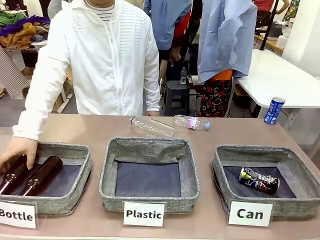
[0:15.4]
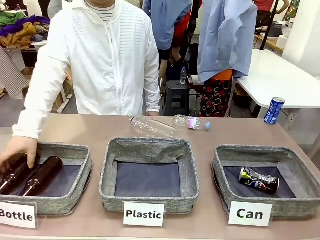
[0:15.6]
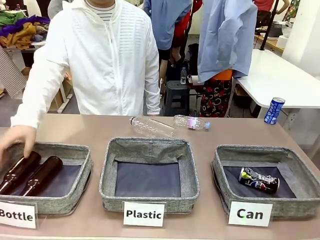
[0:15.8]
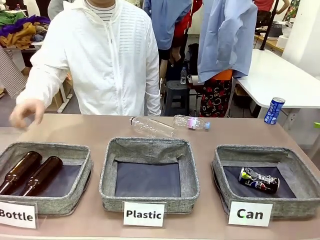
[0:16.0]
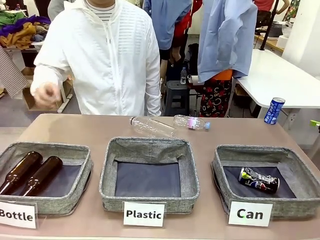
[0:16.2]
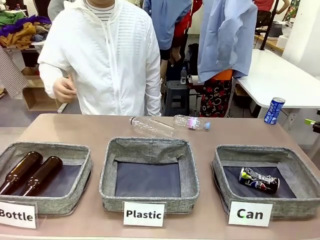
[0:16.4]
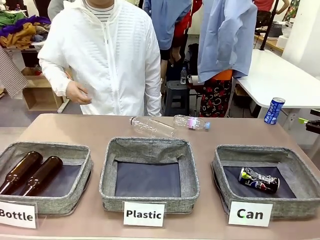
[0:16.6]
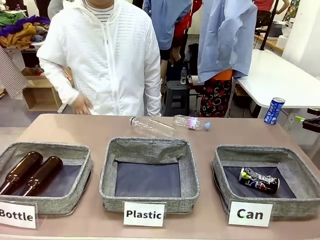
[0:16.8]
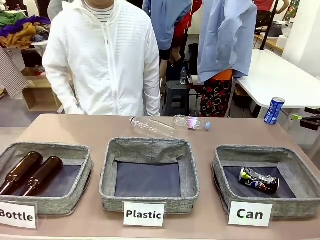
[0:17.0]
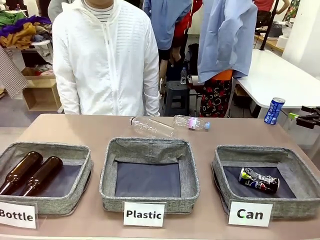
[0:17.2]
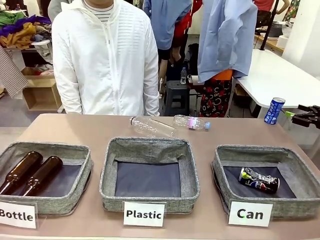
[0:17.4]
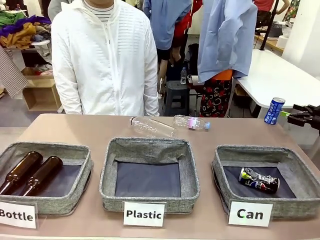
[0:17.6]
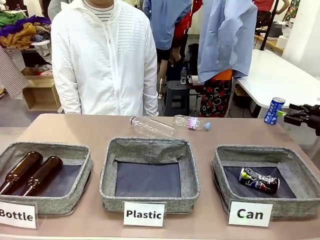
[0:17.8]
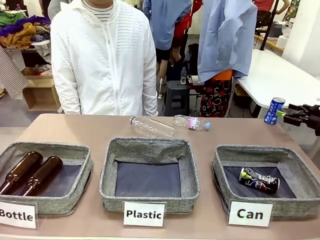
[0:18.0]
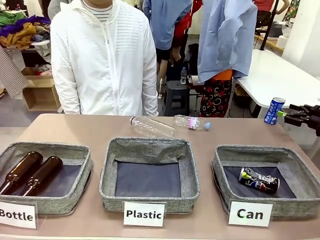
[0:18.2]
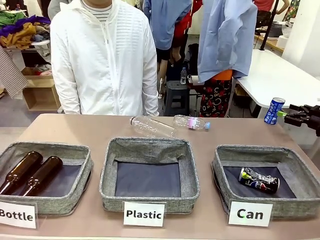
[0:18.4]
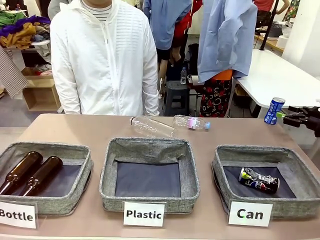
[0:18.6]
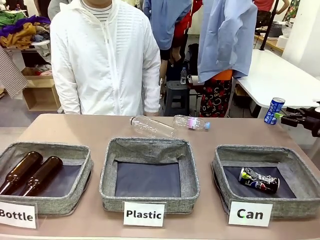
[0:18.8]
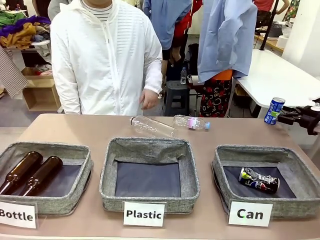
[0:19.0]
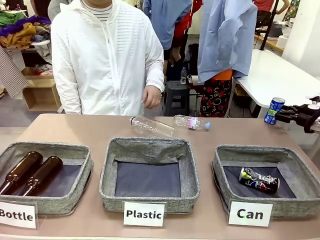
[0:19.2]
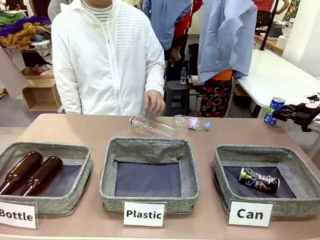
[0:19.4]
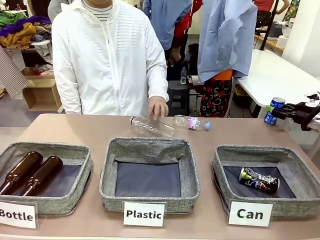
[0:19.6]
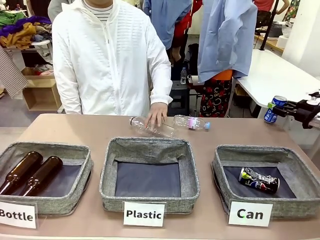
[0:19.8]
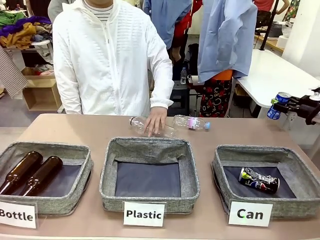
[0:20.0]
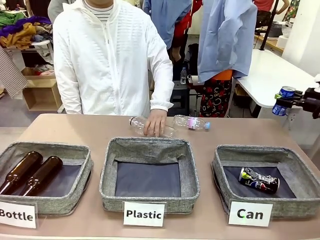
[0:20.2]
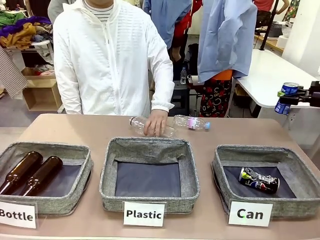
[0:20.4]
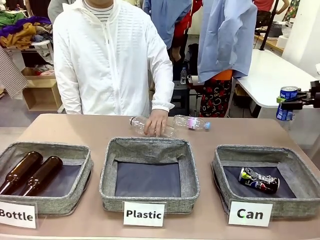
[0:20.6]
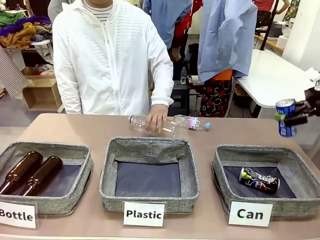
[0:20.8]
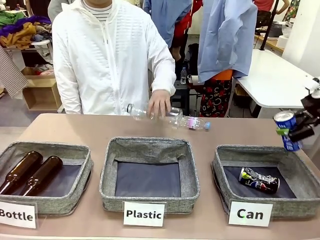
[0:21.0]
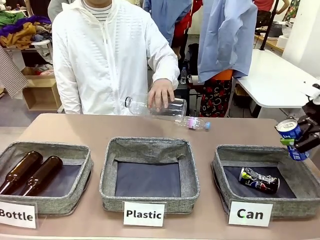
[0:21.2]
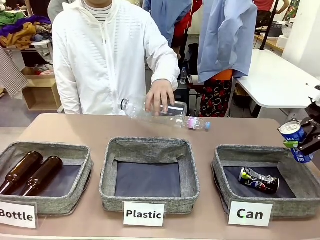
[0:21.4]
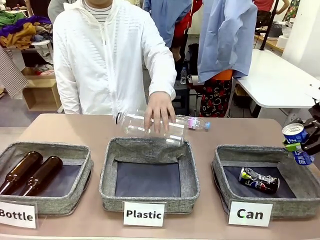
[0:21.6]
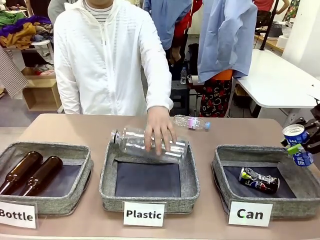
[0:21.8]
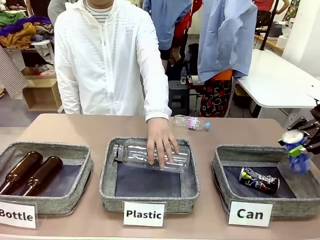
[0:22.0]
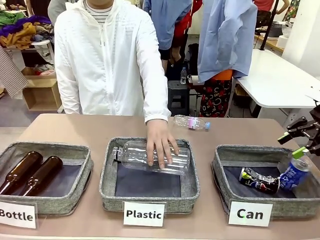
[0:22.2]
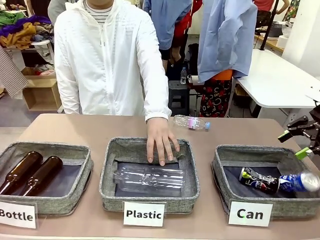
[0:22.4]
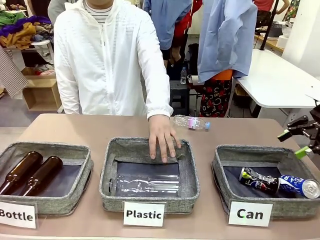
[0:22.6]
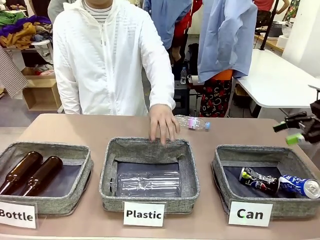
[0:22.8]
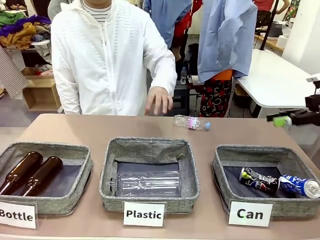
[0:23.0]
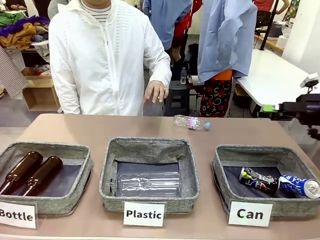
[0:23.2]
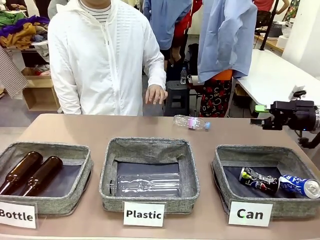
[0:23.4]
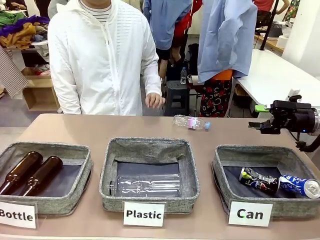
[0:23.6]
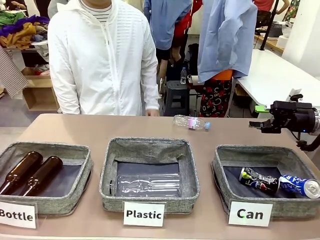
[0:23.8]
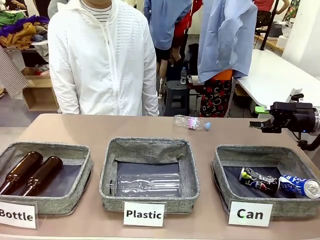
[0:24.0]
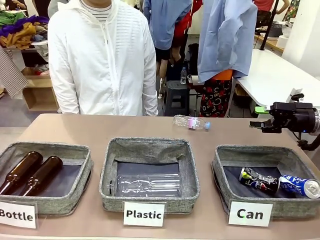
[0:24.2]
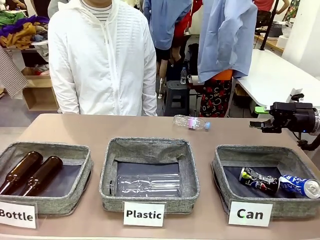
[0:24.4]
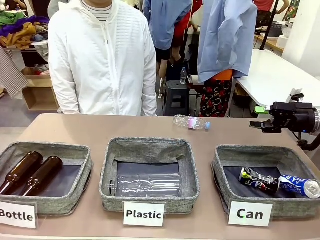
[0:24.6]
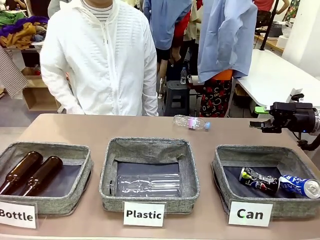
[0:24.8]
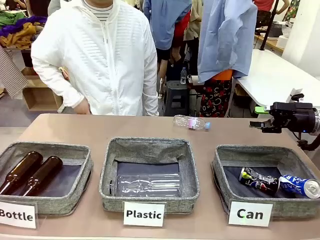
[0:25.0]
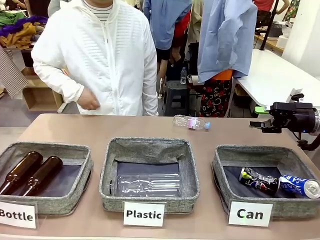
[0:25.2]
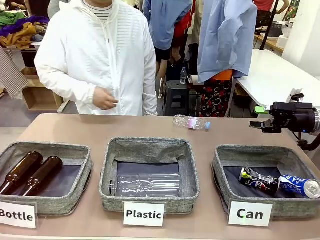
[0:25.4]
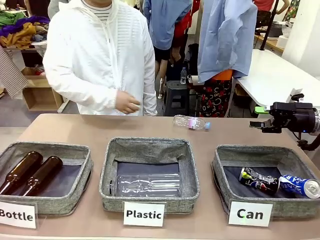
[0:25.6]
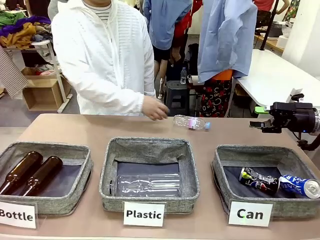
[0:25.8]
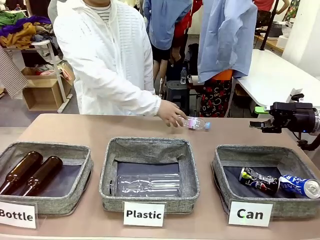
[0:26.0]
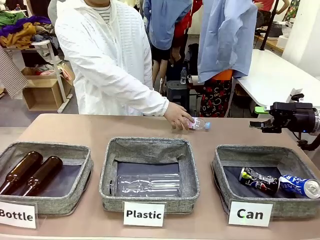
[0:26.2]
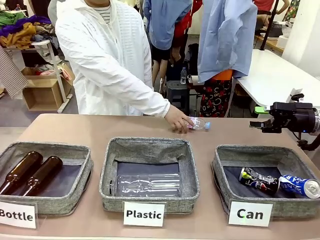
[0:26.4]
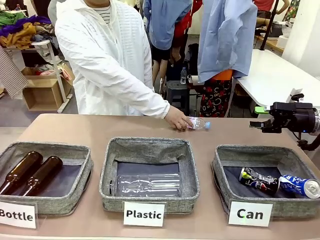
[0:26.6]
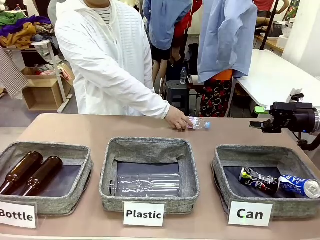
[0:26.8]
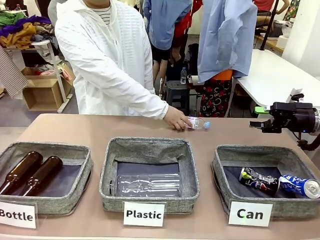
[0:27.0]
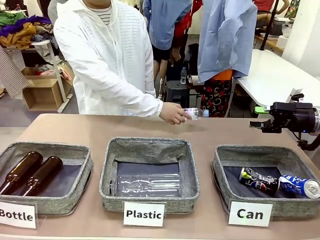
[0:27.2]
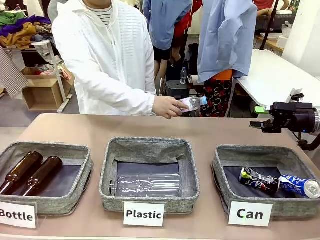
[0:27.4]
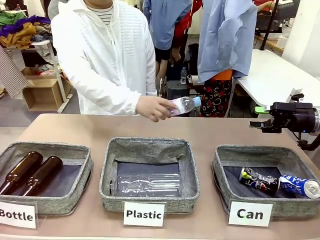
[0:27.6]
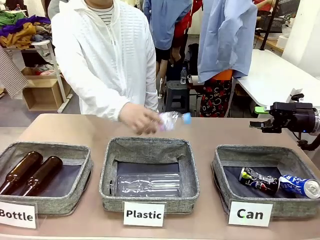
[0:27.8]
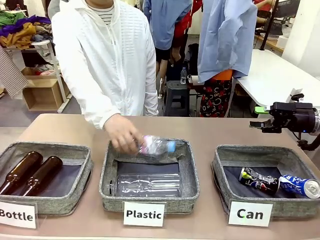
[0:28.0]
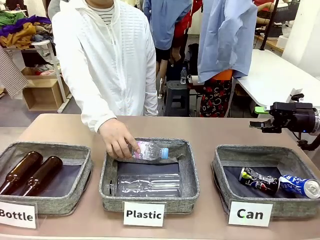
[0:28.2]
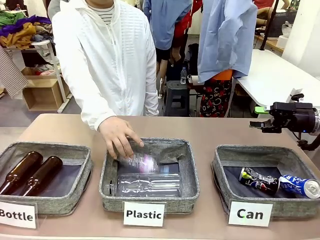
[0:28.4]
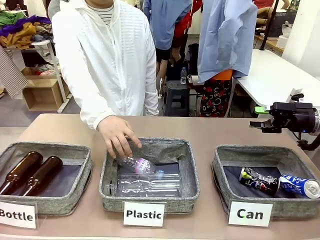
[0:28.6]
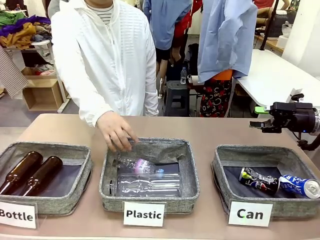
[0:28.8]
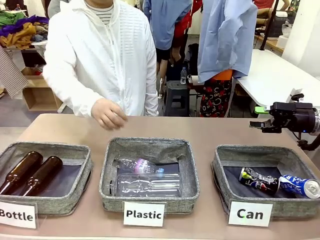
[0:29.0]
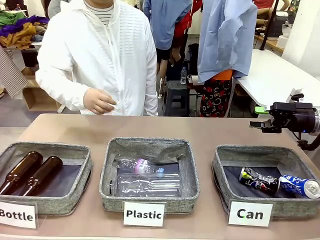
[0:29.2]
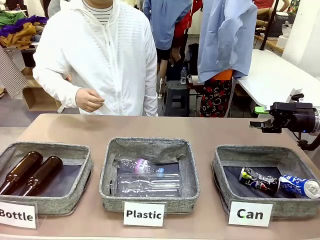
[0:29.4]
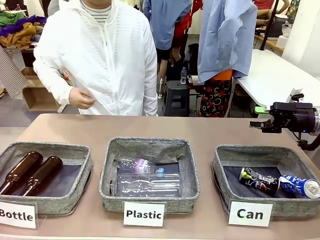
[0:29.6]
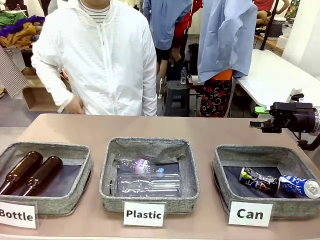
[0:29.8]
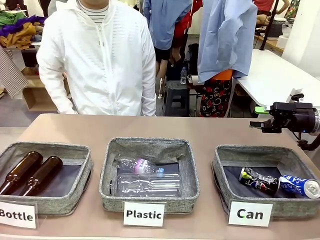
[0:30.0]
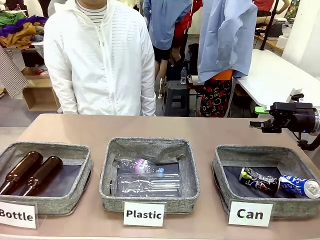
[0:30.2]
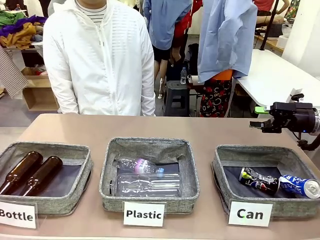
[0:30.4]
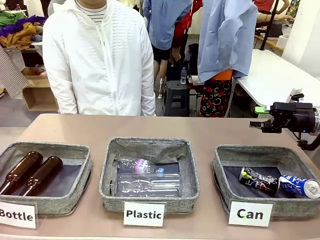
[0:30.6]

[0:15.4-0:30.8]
Task: Sort the can waste into the basket.
Robot: Pick up the can waste from the table and place it in the right Fabric basket.

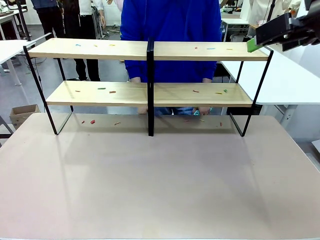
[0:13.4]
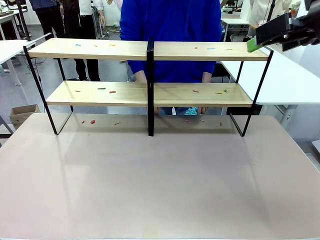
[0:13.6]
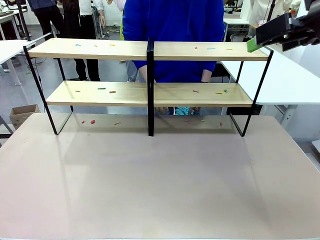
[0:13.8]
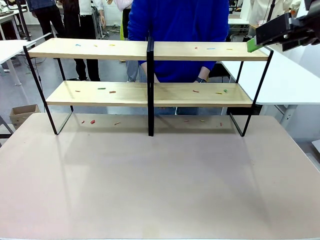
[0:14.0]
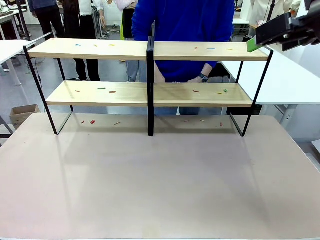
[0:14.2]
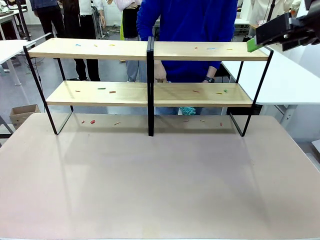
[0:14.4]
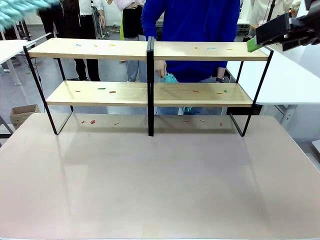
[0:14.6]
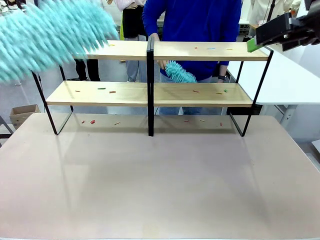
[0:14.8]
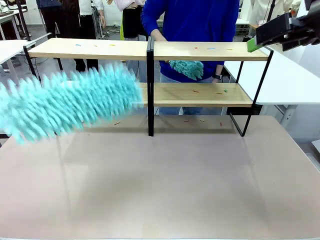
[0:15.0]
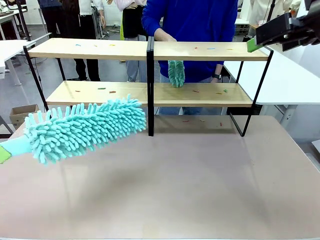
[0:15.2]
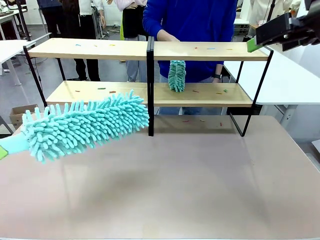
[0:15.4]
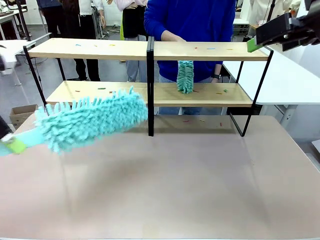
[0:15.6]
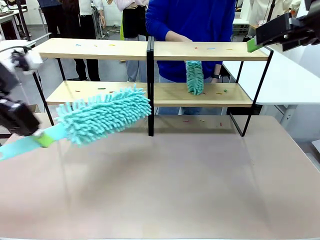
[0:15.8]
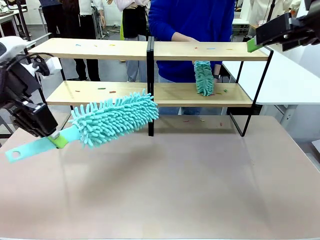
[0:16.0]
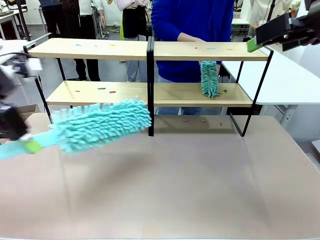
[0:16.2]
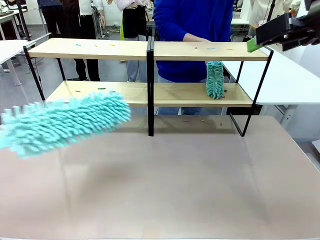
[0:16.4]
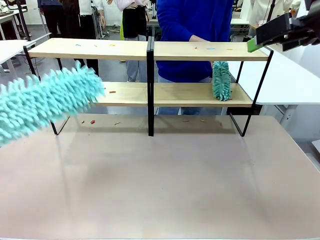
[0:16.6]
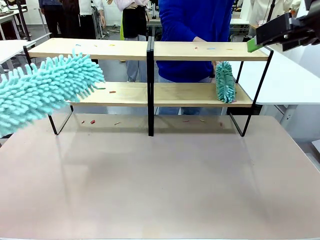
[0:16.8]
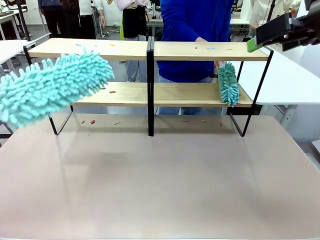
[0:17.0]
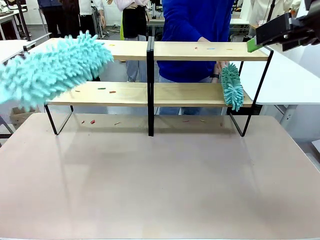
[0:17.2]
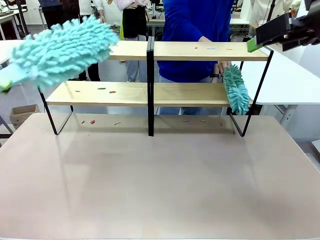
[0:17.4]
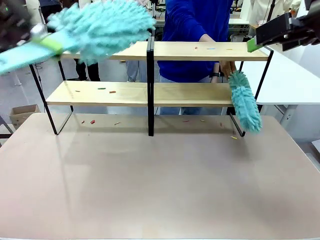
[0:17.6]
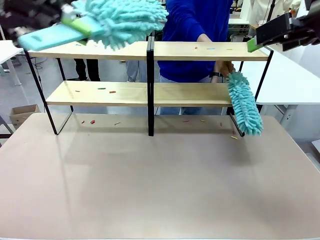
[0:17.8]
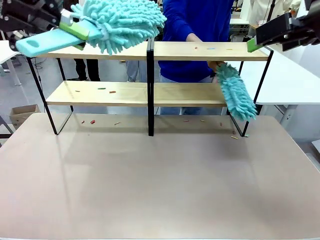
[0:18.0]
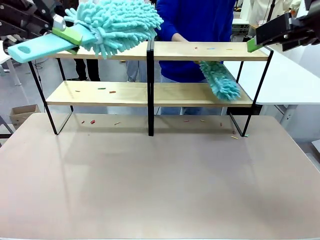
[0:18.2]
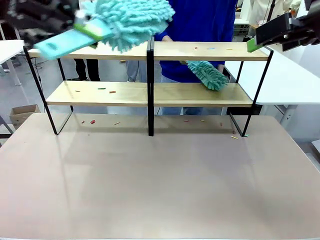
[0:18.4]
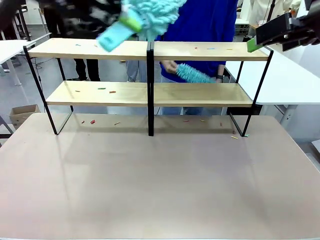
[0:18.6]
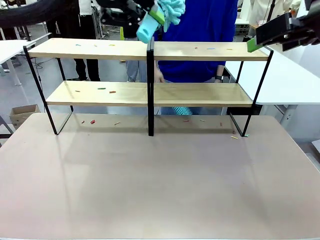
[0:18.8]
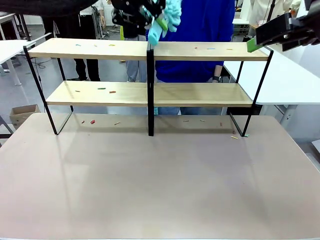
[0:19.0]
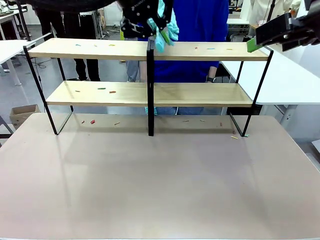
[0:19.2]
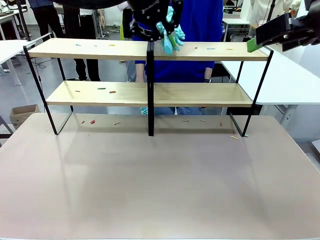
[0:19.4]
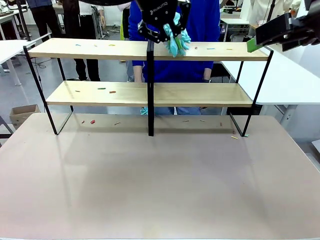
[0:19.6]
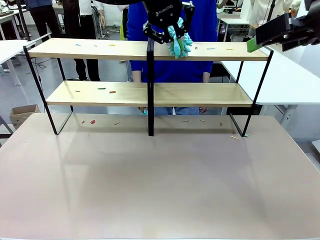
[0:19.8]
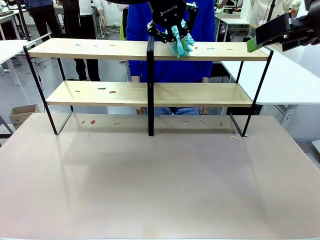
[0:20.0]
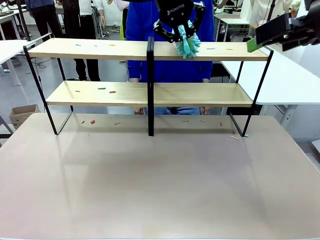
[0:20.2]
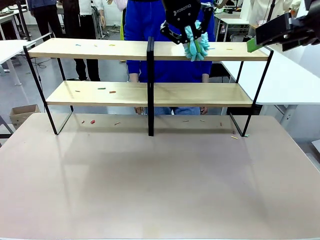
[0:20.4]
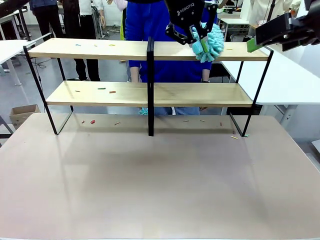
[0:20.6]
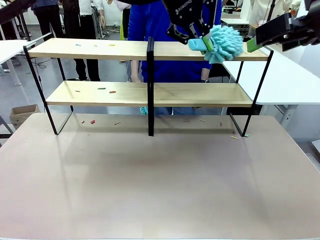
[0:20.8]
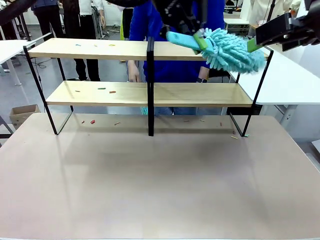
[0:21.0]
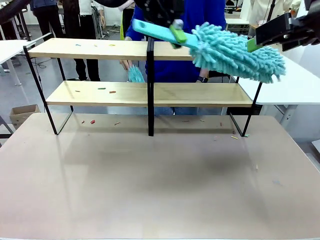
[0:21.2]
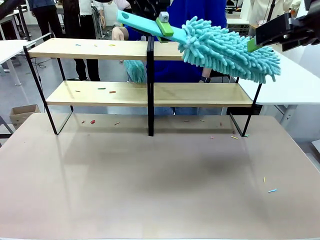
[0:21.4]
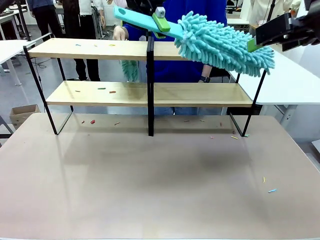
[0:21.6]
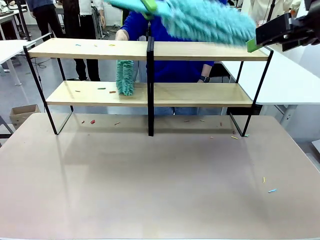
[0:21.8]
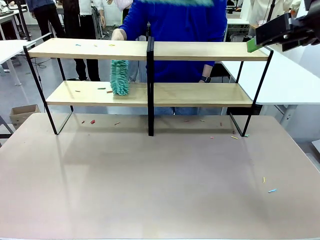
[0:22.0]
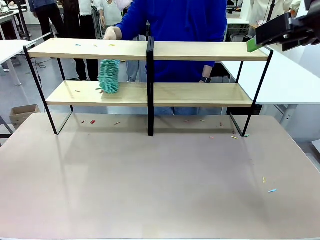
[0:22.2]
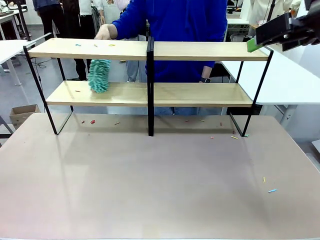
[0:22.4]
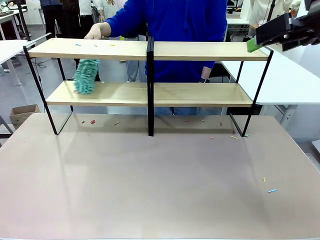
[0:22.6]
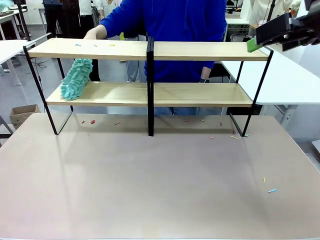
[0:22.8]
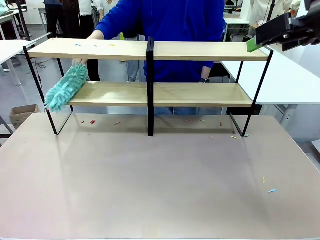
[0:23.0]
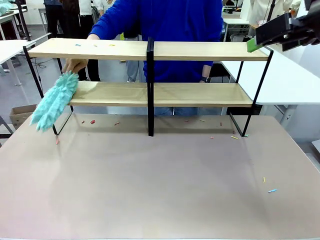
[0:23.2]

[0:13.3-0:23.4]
Task: Clean the shelves.
Robot: Clean a randomly selected level of the Shelf with the Duster.
